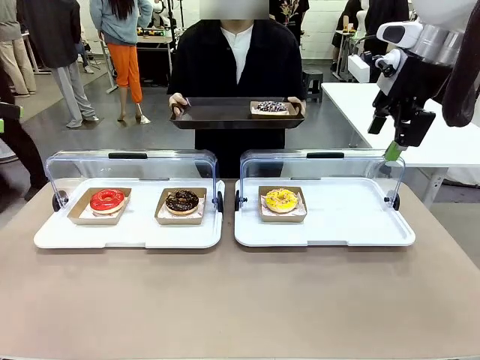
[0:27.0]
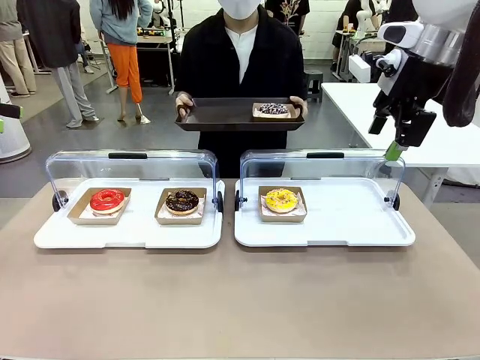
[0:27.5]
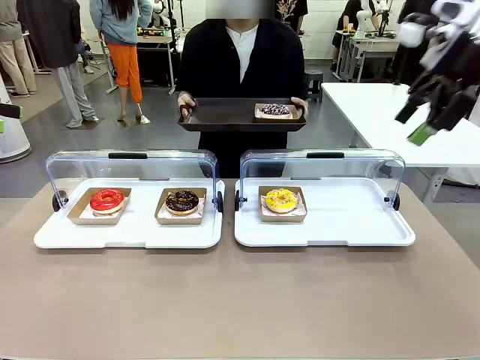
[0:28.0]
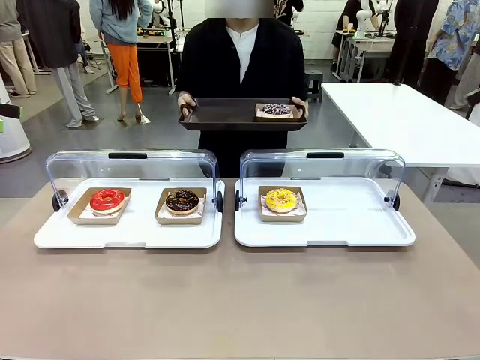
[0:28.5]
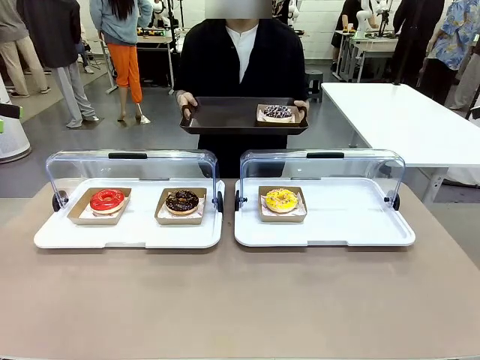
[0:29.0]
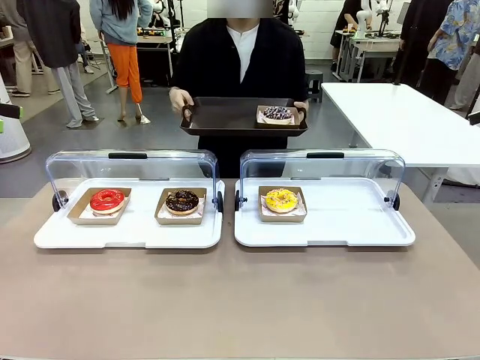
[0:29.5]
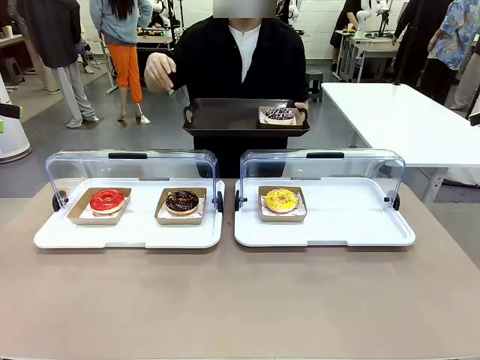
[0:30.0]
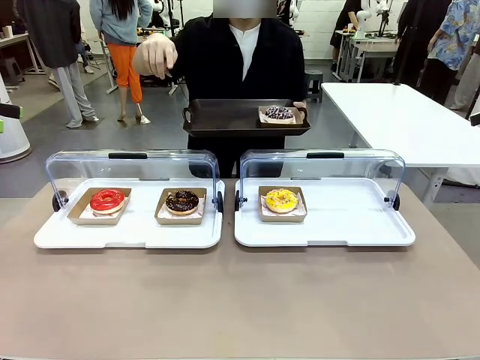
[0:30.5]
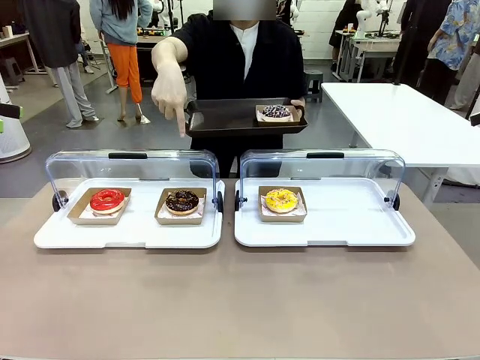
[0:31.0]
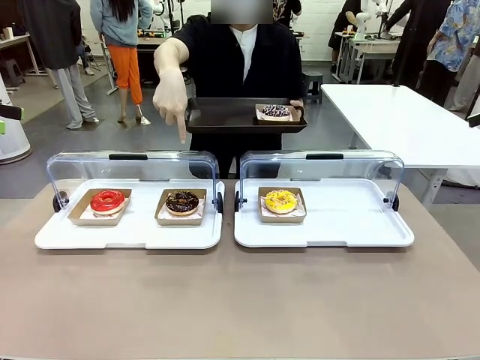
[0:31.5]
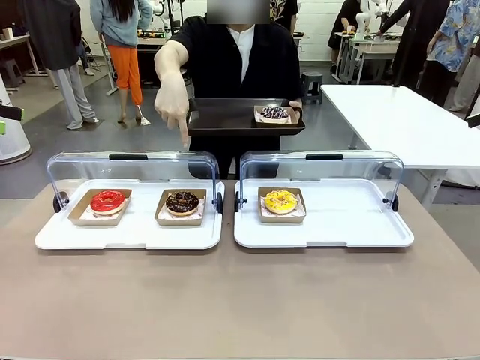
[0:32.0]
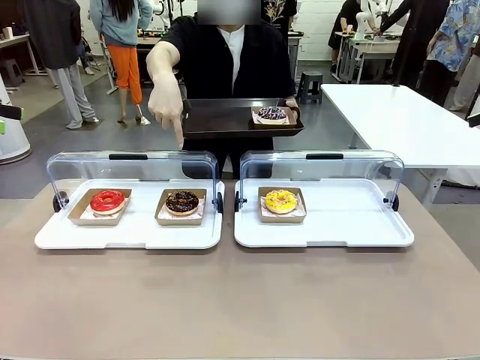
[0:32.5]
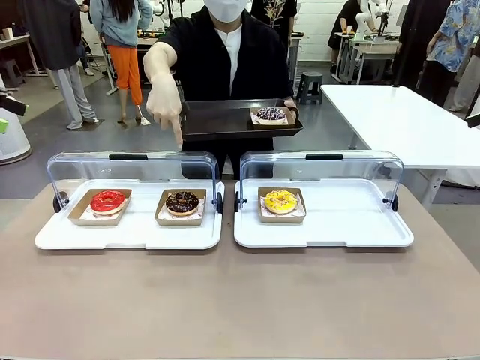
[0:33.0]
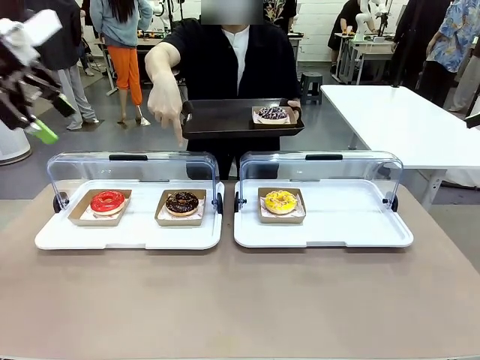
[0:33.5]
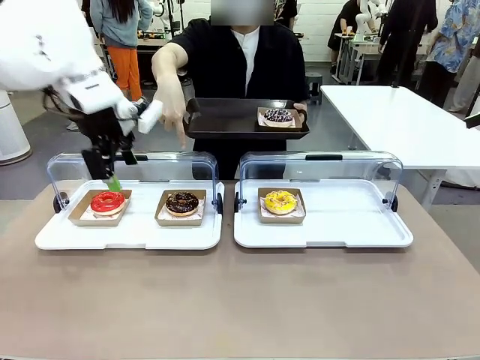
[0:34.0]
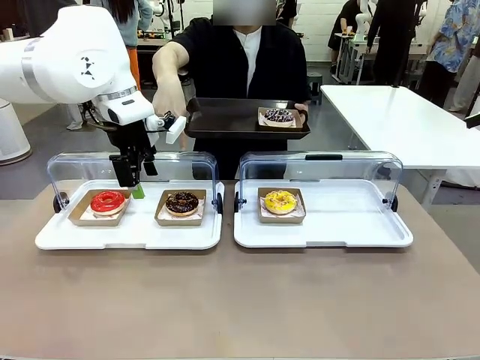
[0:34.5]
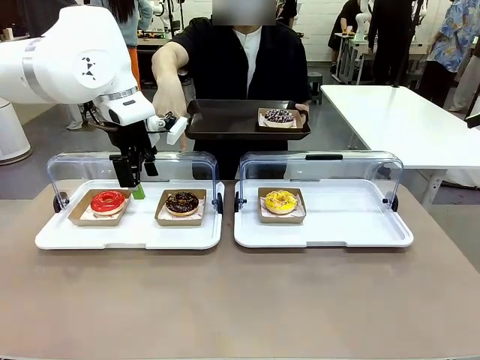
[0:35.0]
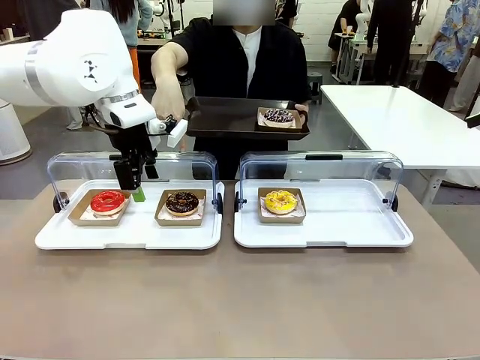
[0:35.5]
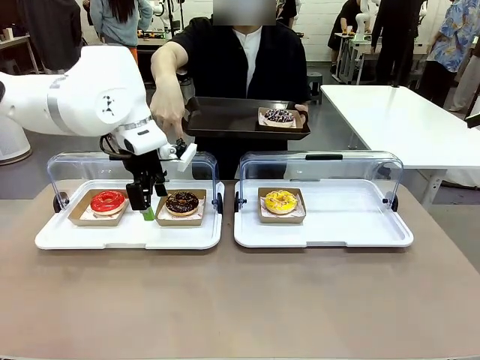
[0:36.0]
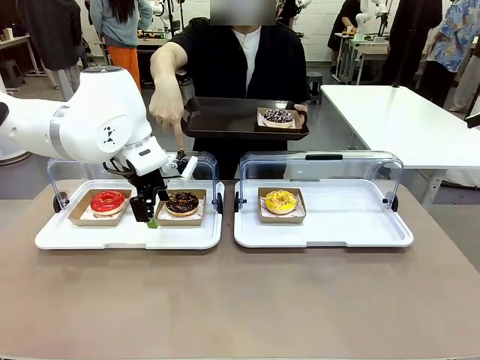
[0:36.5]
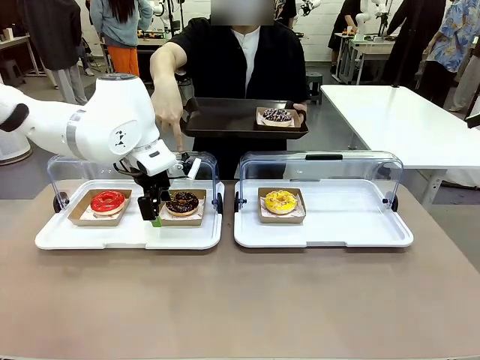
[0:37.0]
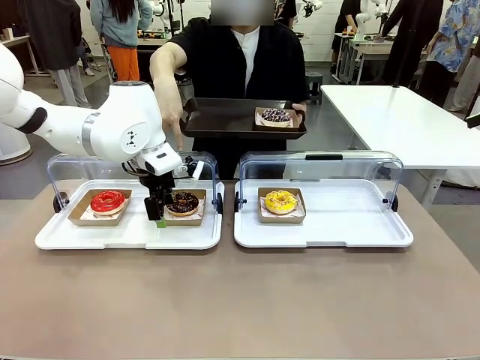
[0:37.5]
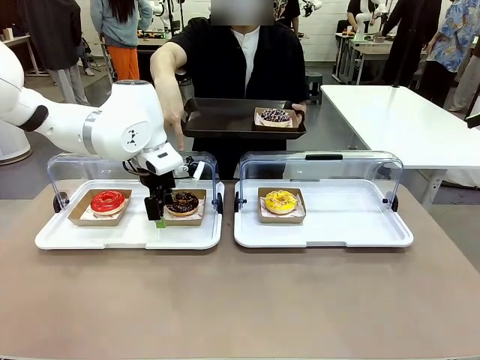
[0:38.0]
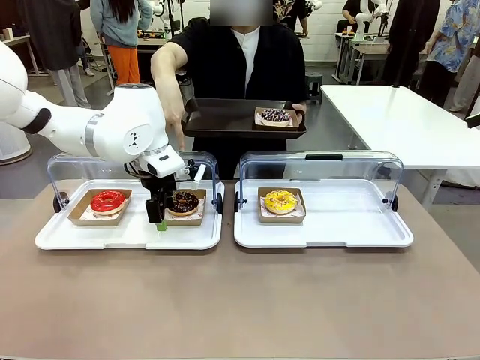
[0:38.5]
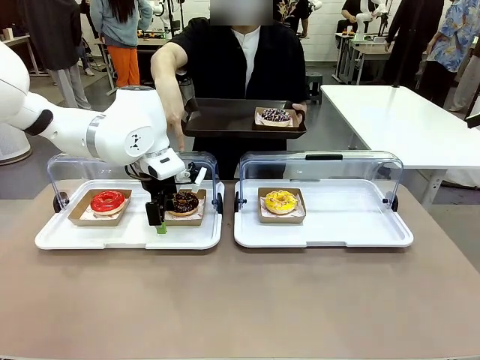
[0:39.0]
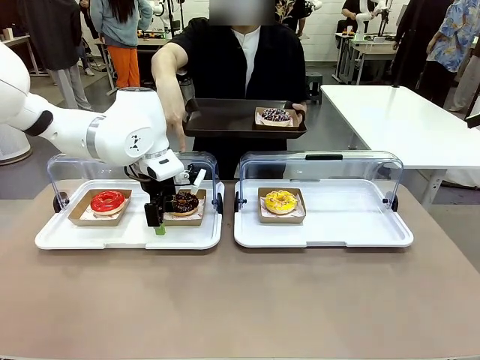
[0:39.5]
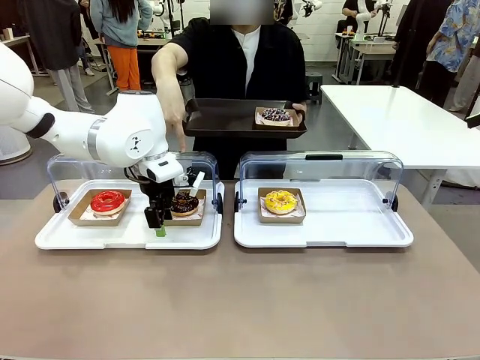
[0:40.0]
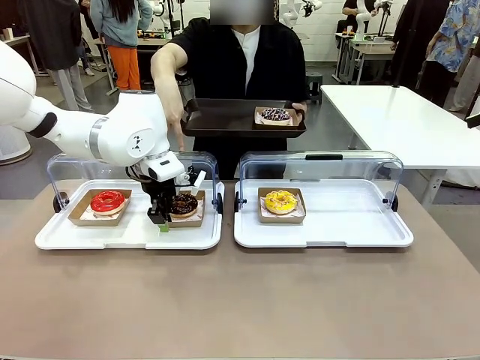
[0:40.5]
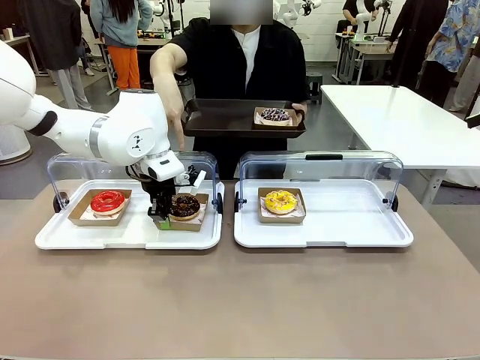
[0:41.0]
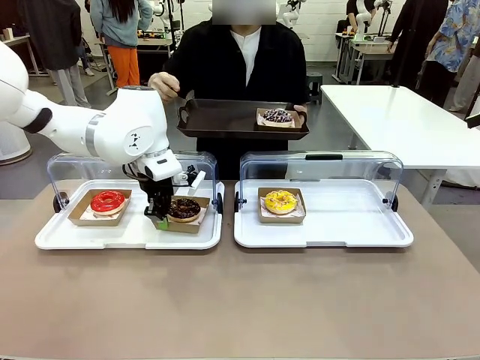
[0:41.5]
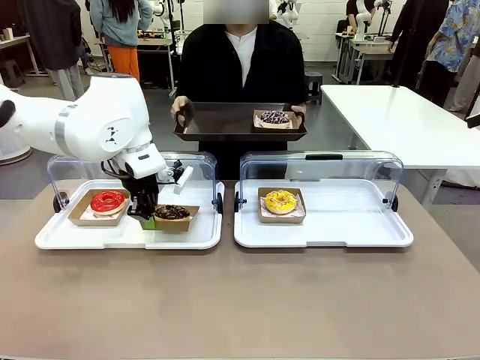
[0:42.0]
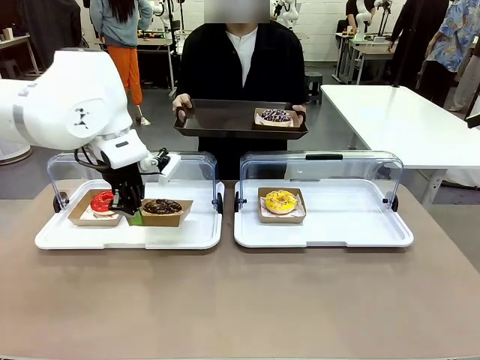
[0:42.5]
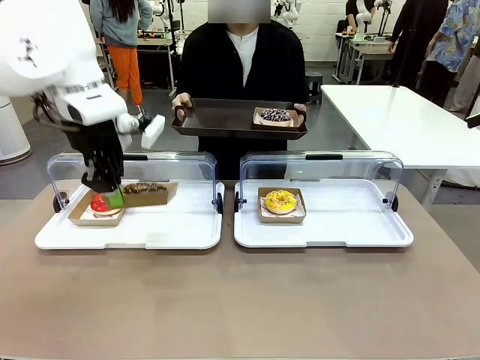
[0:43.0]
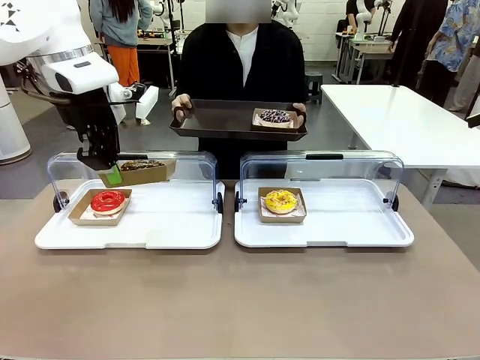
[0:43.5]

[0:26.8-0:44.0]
Task: Provide the desired donut to the person.
Robot: Pick up and lift the Paper togo box containing the Donut pointed at by the person.
Person: Point to one donut. Lift the tray onto the Roll-Top Bakery Case.

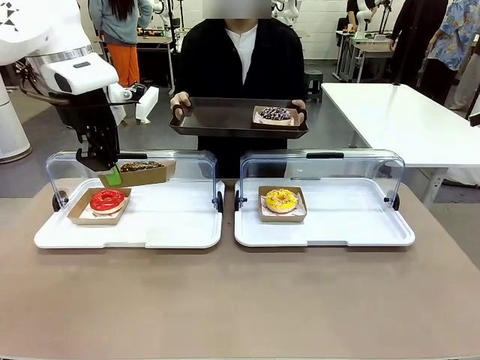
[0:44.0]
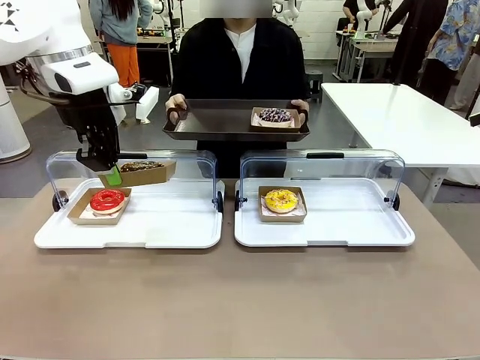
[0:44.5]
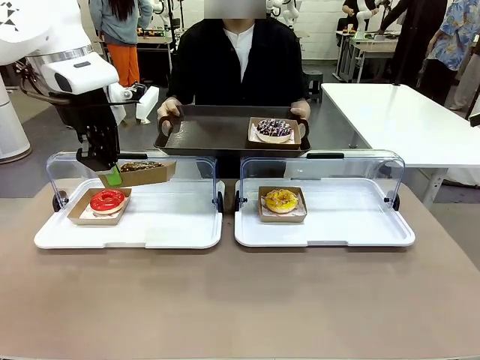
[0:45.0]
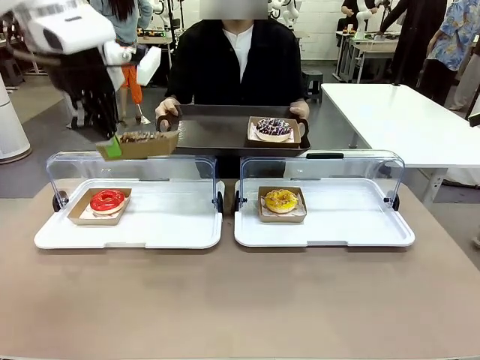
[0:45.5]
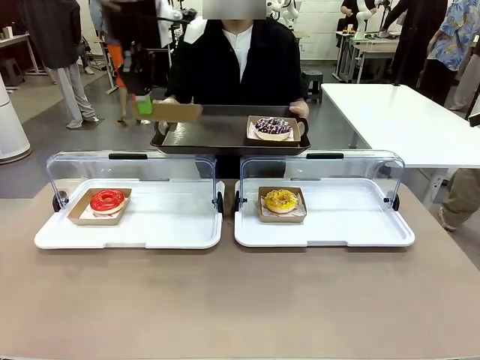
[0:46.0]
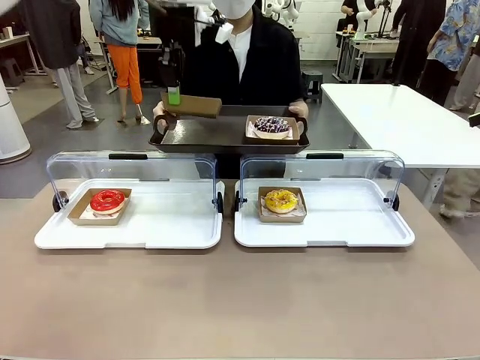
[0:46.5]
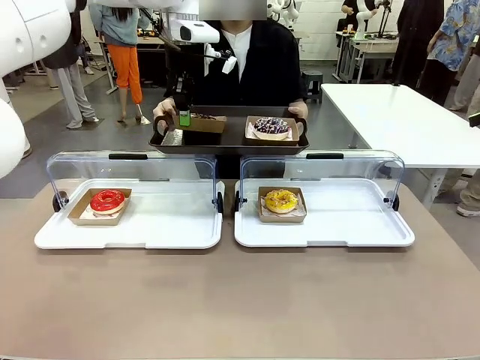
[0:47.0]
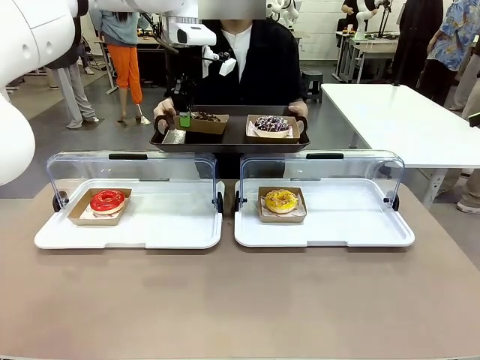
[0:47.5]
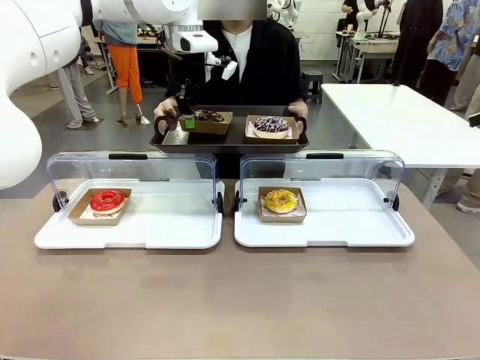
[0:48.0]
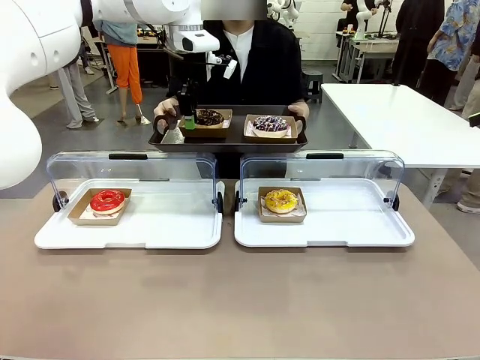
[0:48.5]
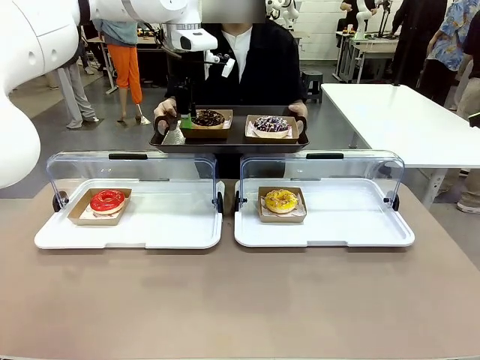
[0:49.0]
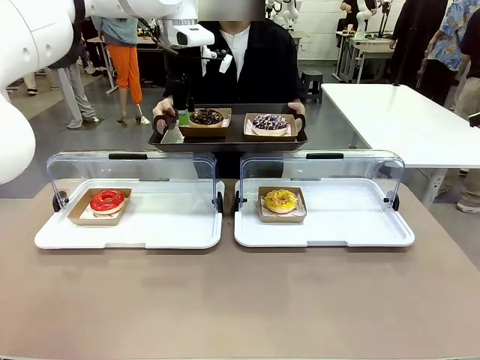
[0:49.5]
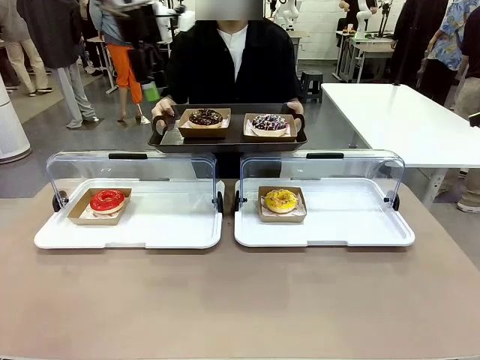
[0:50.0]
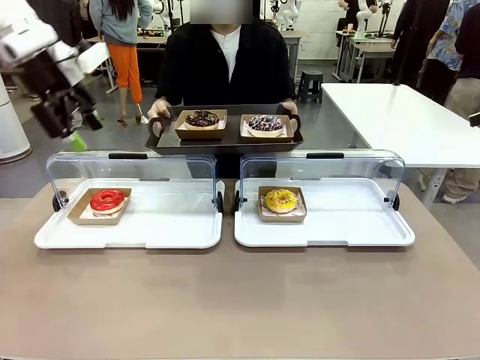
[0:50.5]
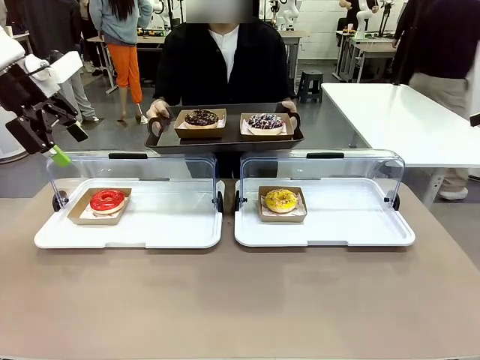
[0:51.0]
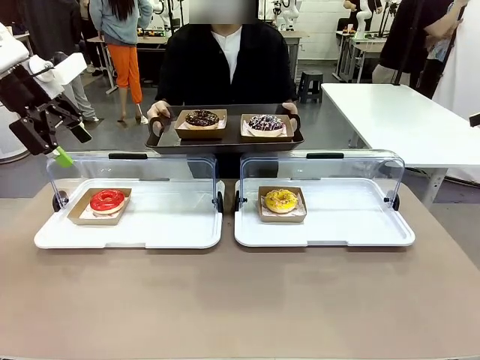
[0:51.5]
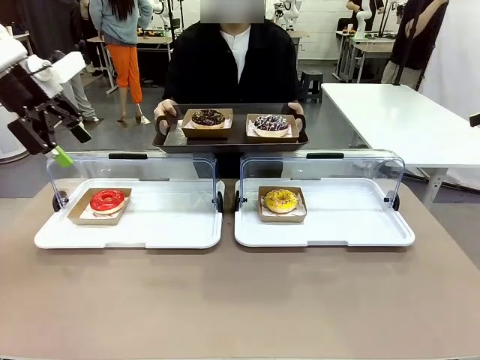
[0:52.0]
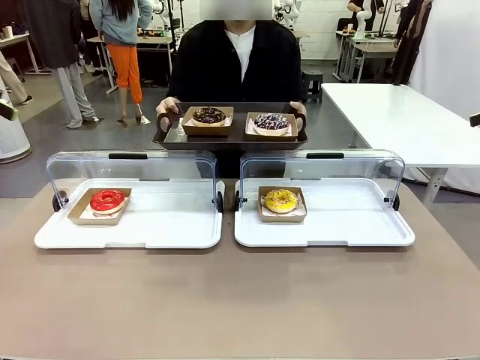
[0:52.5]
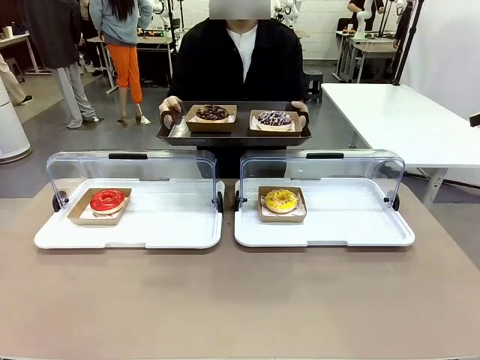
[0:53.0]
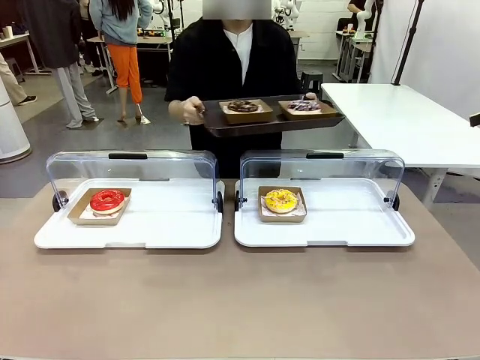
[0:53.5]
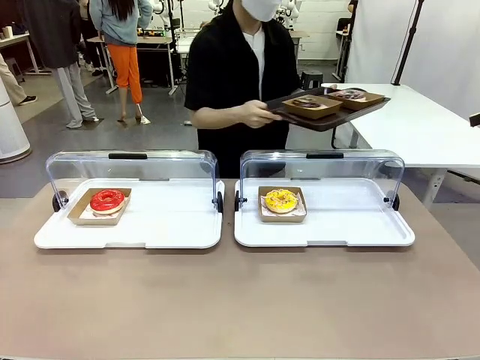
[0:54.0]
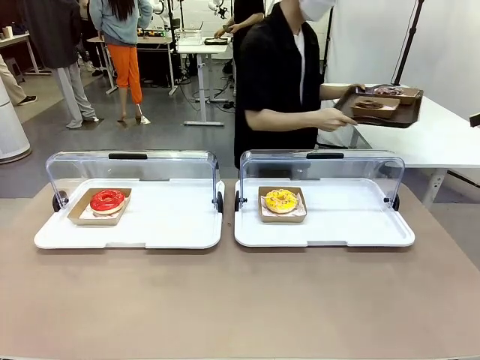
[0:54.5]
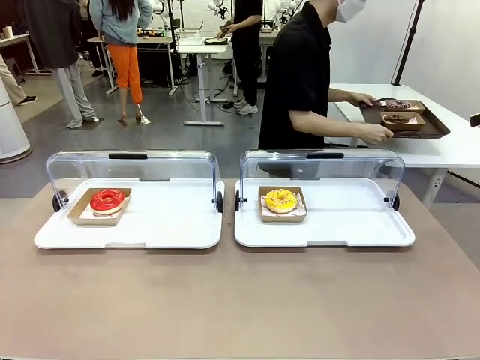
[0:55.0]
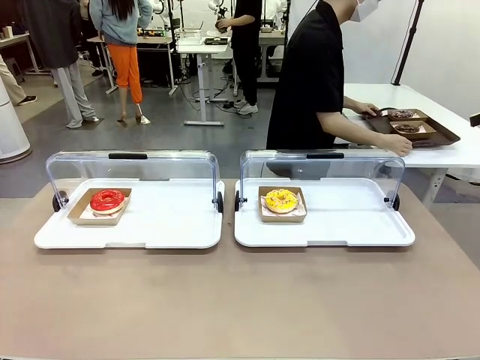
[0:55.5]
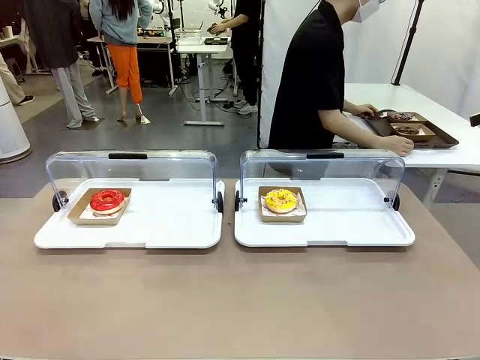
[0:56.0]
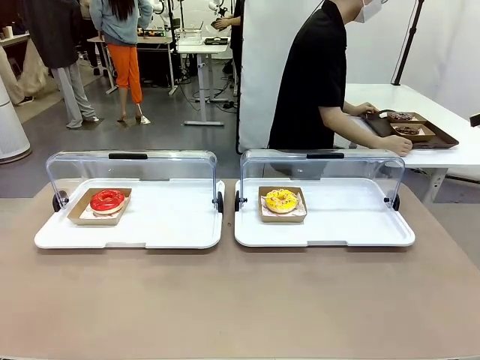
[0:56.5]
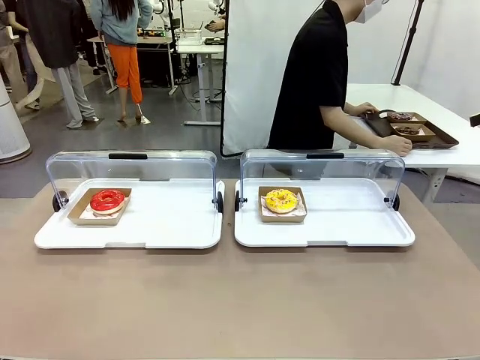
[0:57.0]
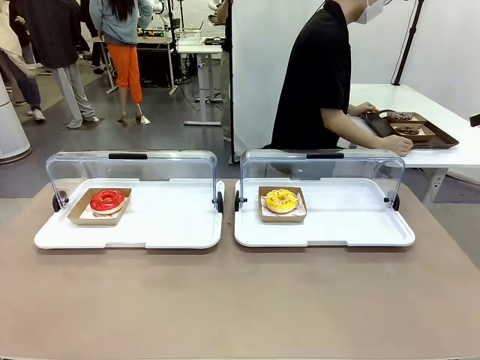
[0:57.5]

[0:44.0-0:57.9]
Robot: Place the picked Paper togo box onto the Handle tray extended by the person.
Person: Place the tray in the middle of the human table.
